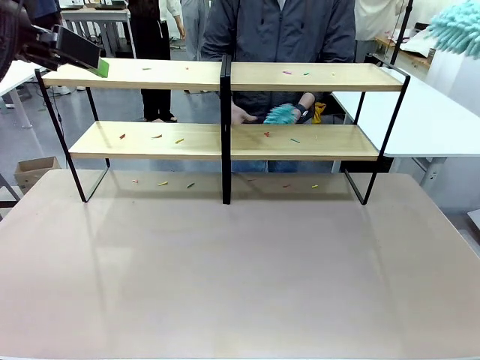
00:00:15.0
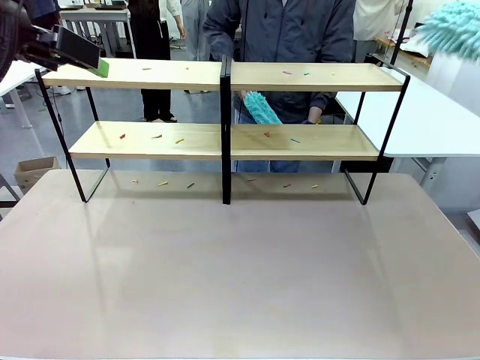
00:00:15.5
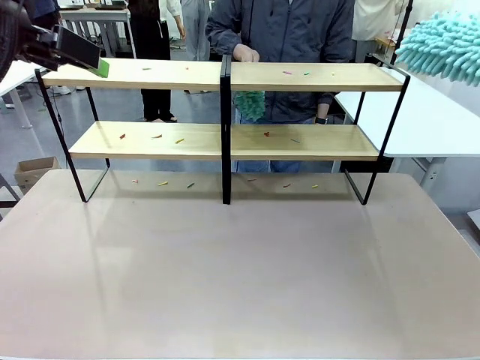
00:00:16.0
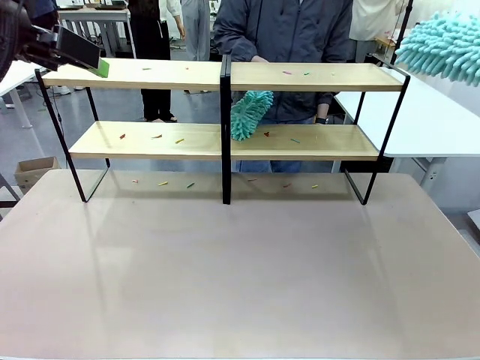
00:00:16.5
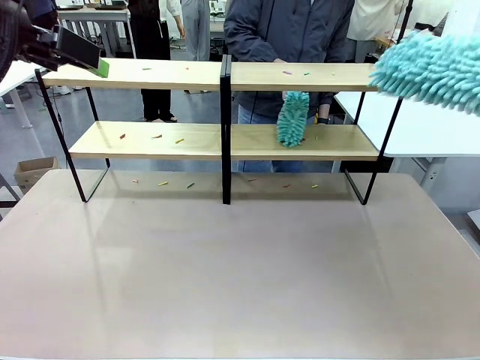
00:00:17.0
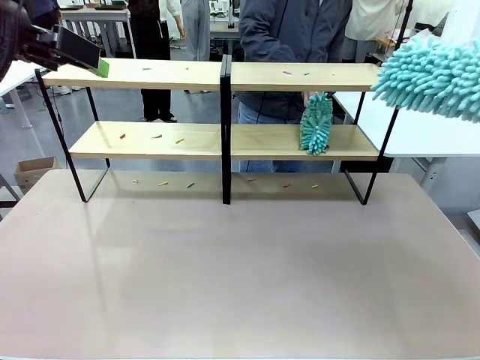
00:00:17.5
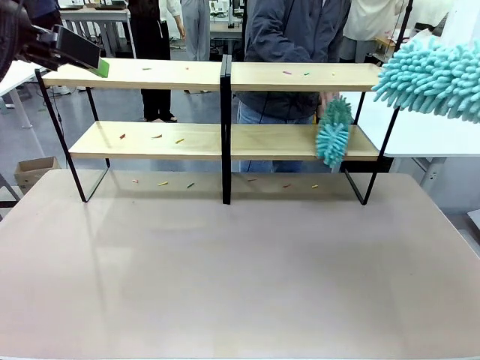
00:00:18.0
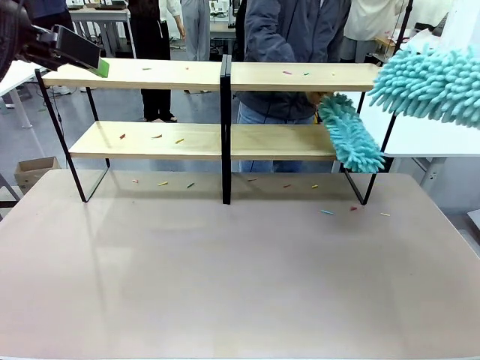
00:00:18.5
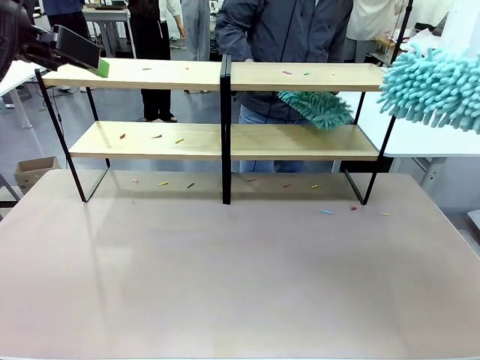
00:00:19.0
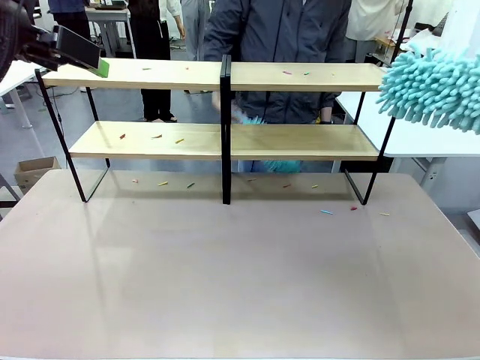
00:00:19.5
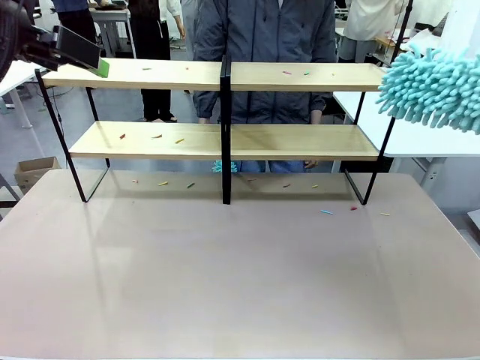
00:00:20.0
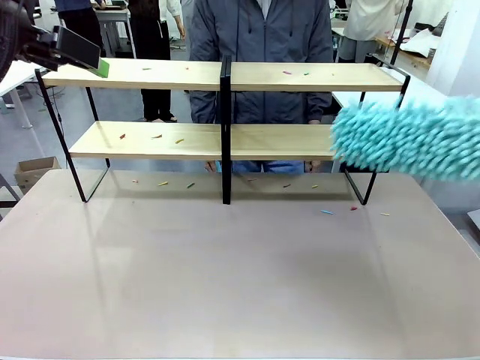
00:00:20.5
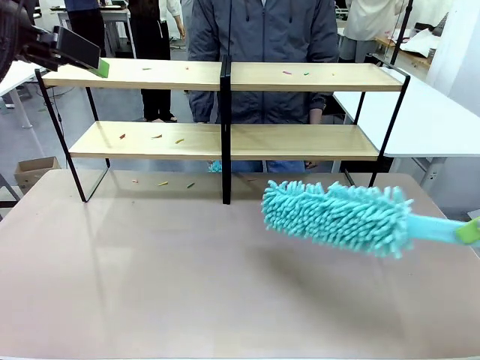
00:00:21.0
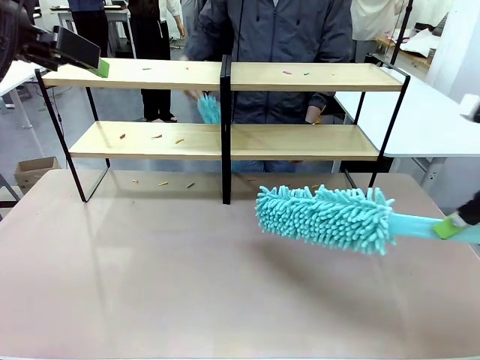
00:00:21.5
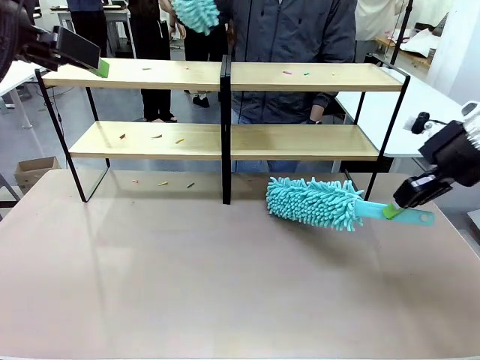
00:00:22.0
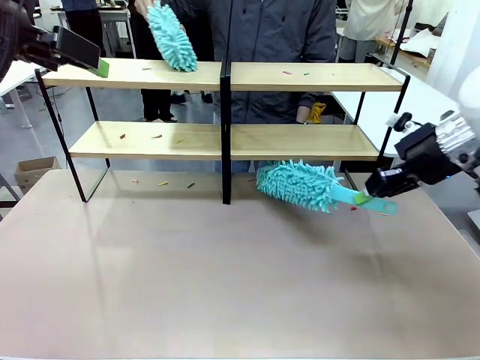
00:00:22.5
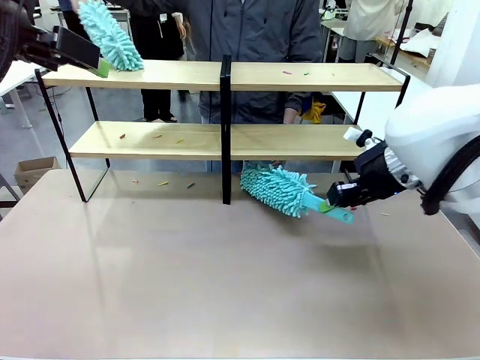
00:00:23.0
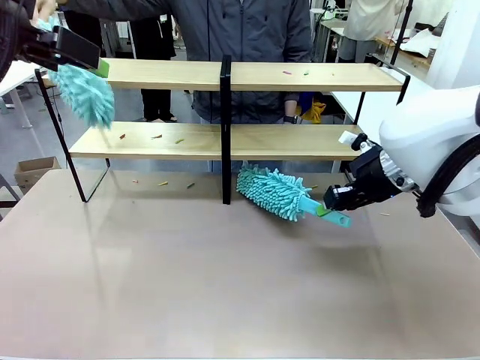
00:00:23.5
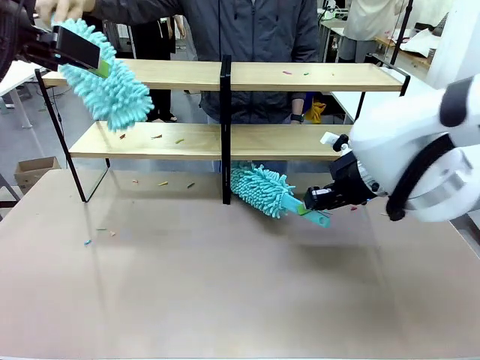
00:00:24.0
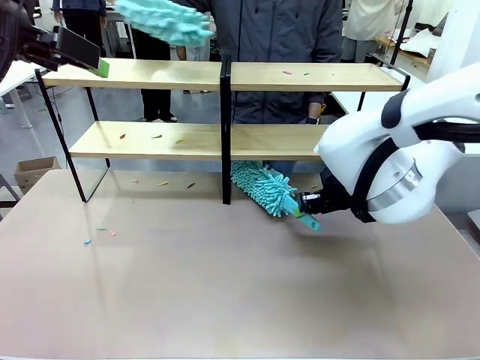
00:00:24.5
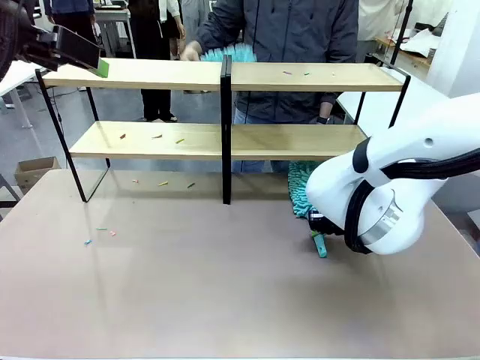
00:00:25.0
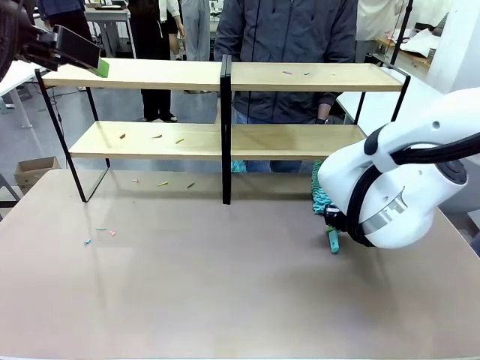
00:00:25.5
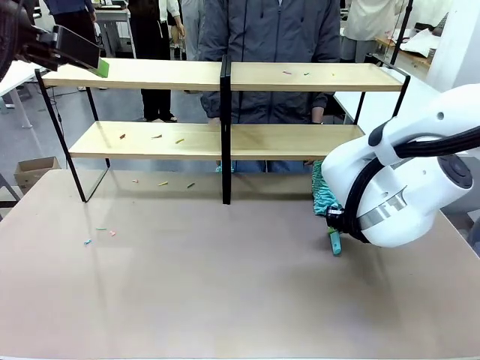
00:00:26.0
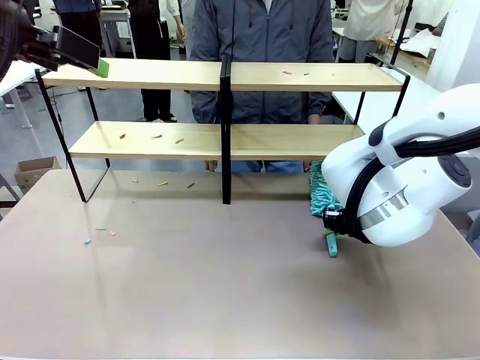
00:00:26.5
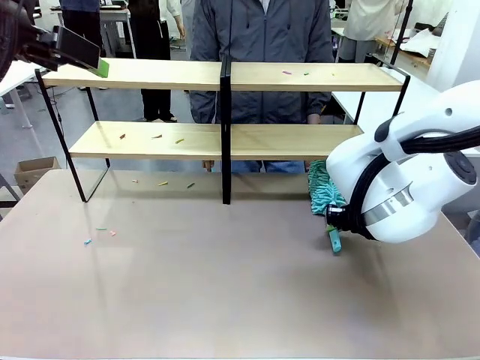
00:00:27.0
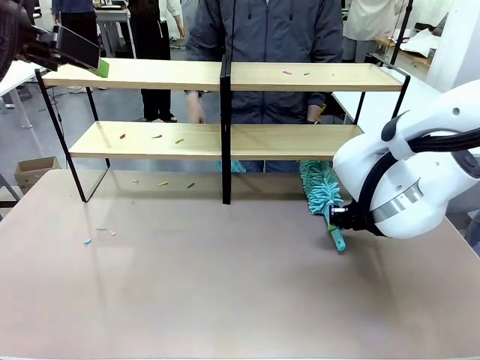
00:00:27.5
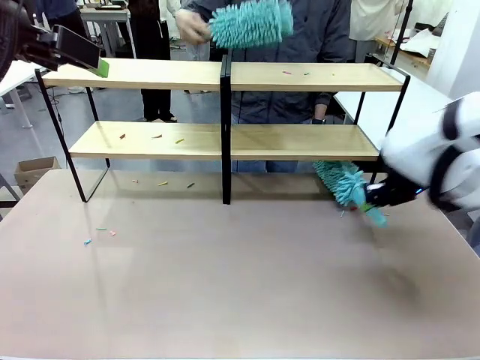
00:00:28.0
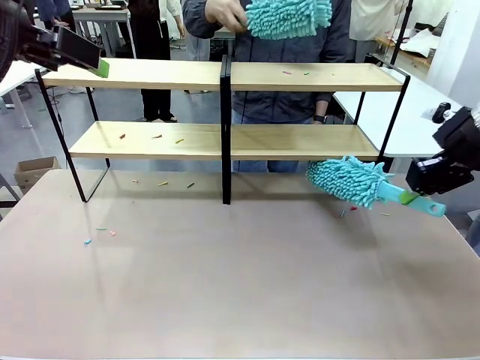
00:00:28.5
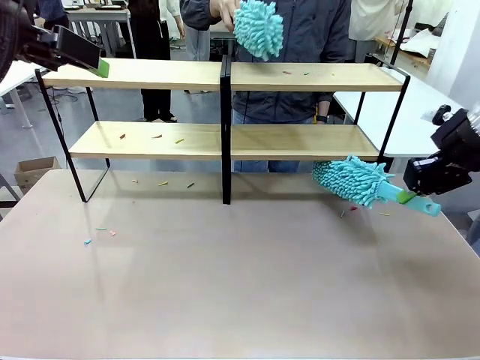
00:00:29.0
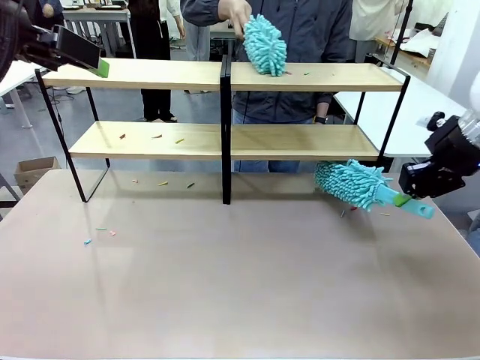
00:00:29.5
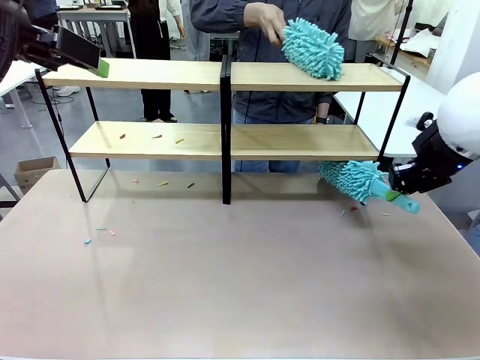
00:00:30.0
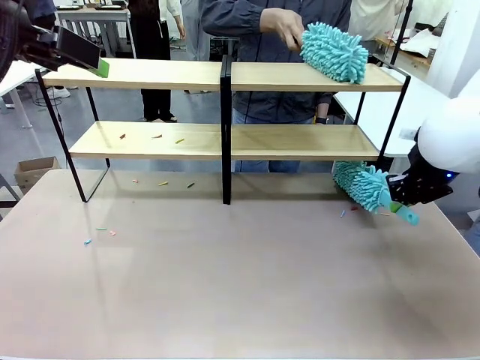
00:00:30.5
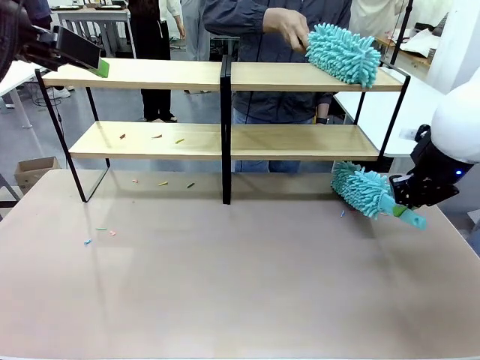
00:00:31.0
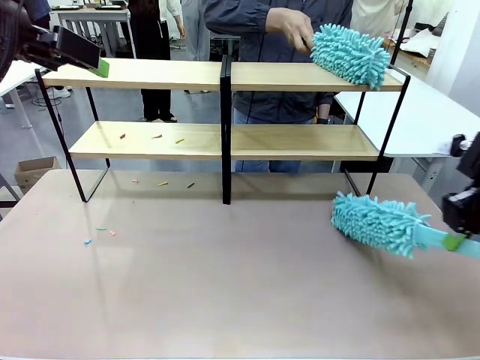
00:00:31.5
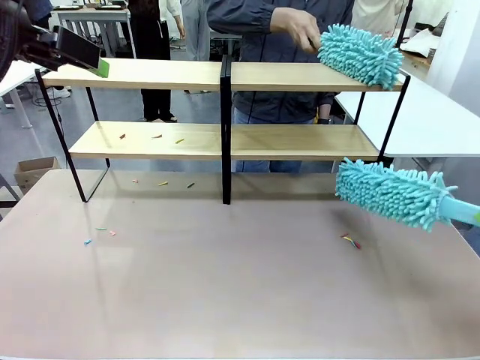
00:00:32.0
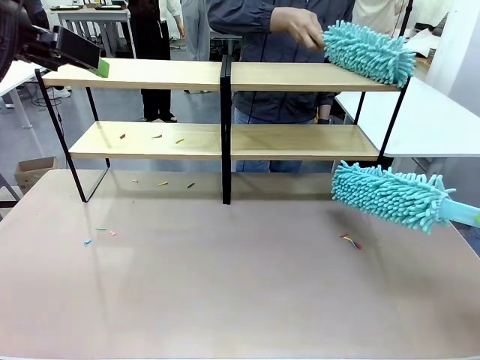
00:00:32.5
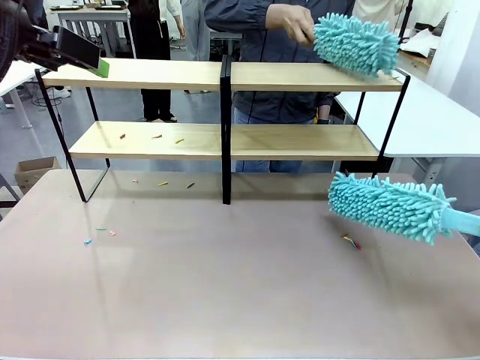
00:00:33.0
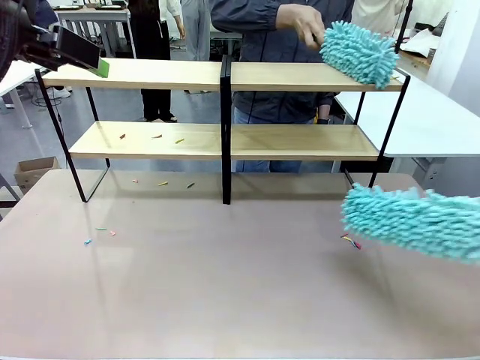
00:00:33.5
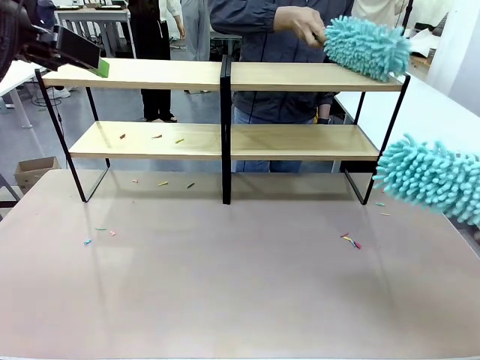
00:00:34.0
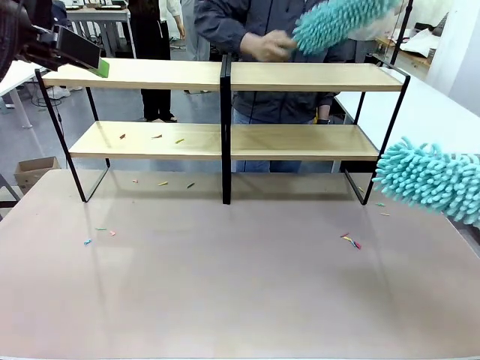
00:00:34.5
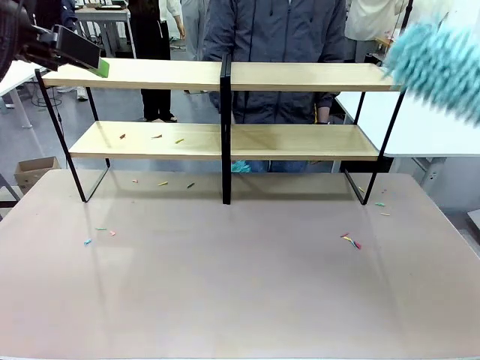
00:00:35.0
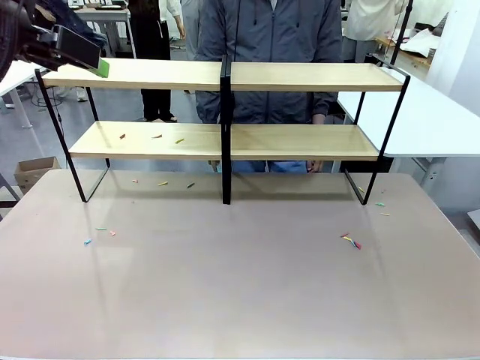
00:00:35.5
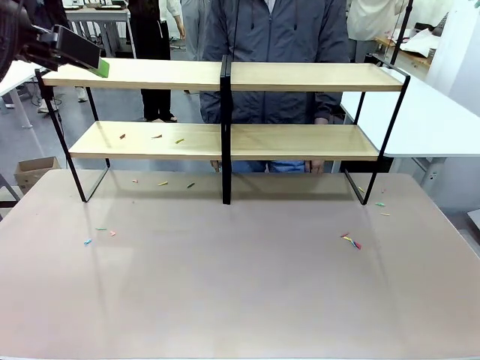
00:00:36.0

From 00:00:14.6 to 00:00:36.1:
Task: Clean the shelves.
Robot: Clean a randomly selected level of the Shelf with the Duster.
Person: Clean a randomly selected level of the Shelf with the Duster.

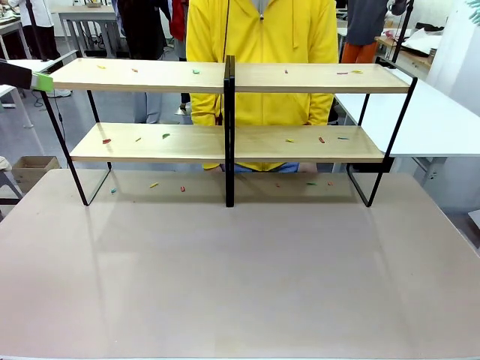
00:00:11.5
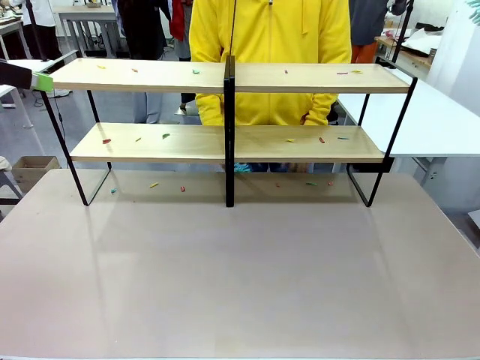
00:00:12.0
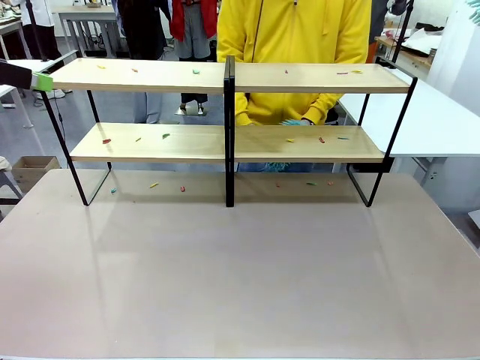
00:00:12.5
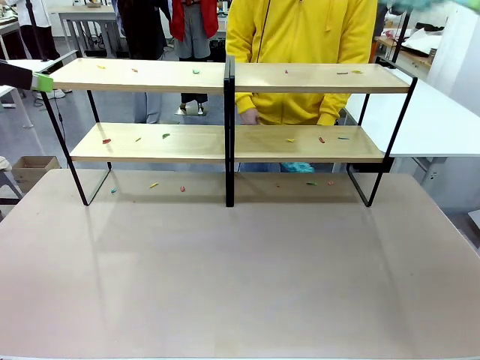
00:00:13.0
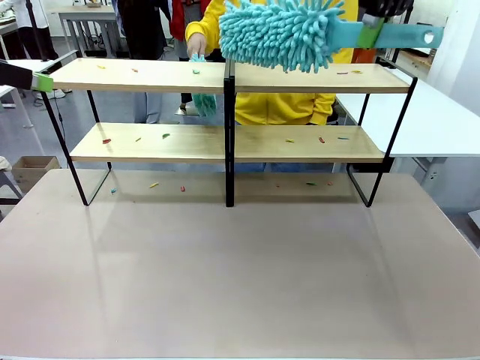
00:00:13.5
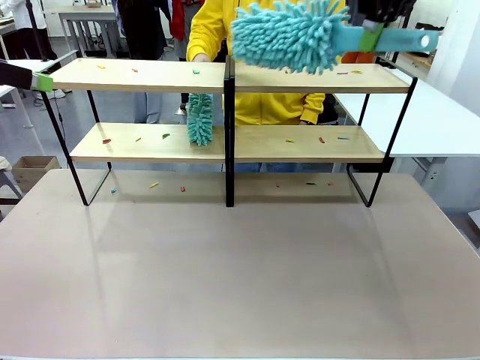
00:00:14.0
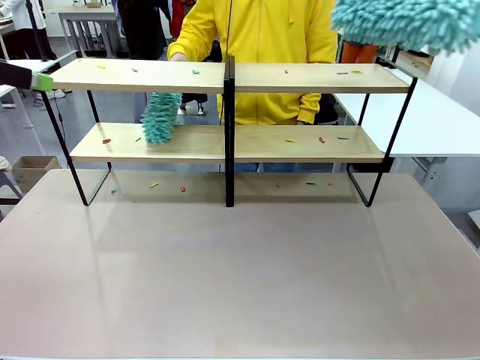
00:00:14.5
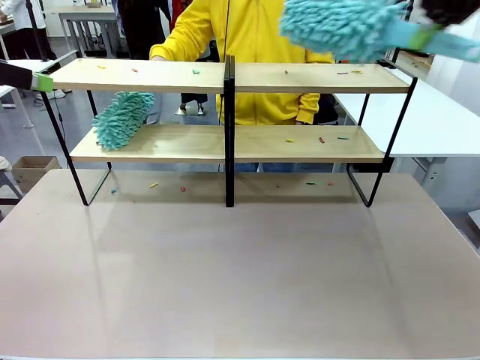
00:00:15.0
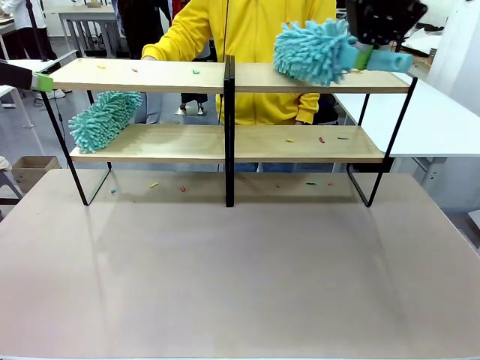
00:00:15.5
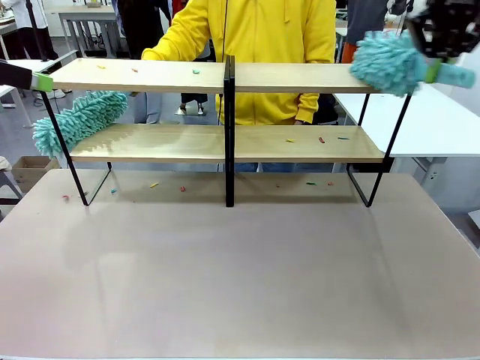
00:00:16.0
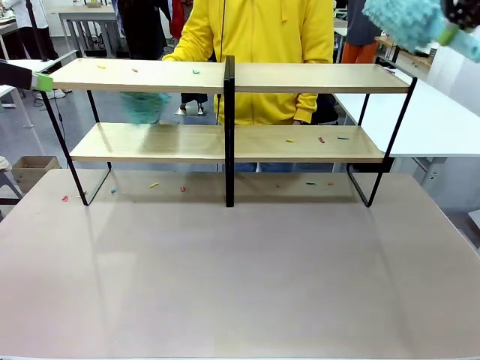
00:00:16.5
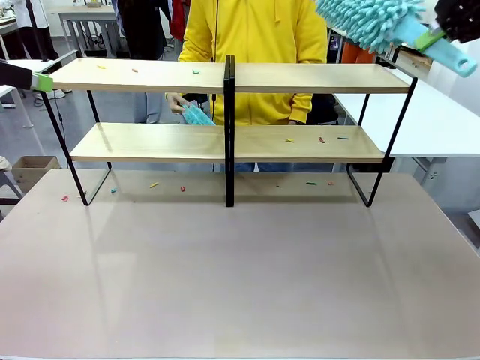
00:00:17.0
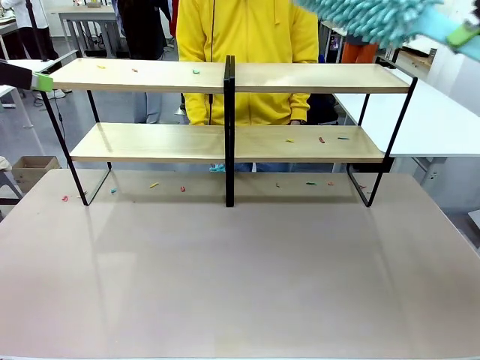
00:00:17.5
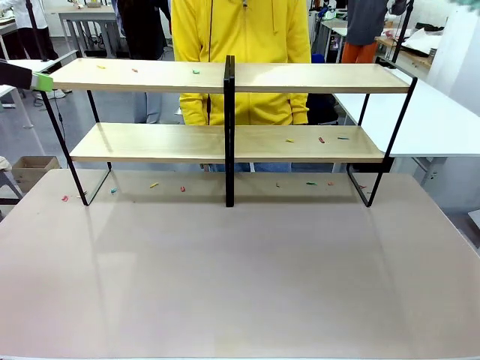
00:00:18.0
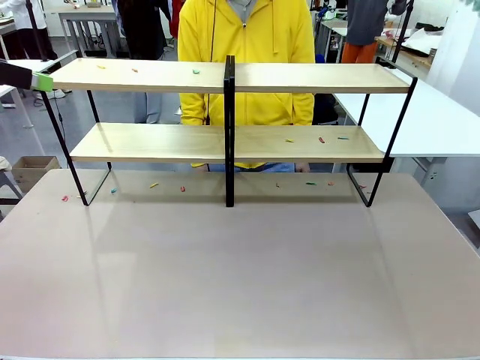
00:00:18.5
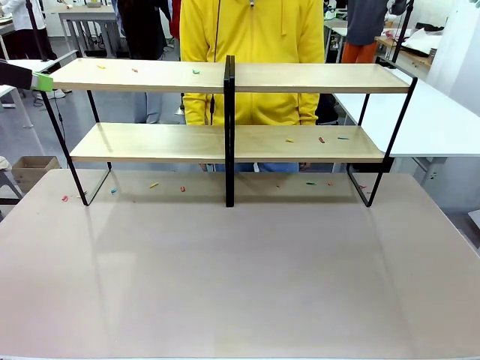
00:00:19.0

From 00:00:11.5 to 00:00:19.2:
Task: Clean the shelves.
Robot: Clean a randomly selected level of the Shelf with the Duster.
